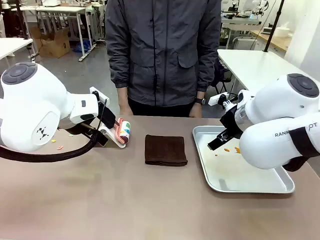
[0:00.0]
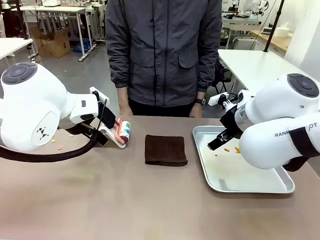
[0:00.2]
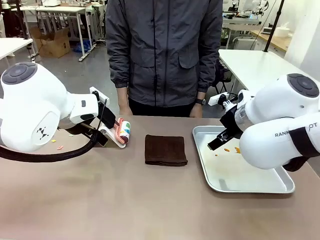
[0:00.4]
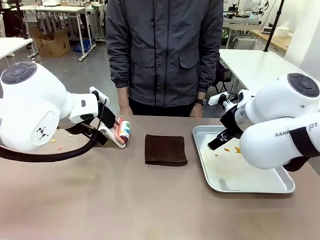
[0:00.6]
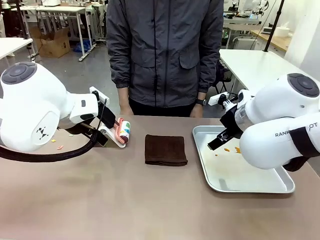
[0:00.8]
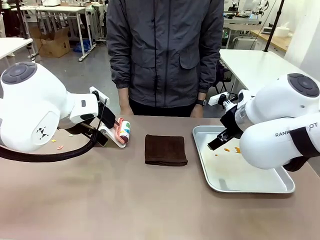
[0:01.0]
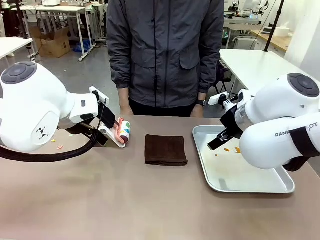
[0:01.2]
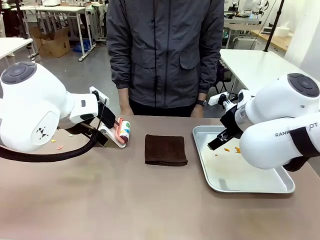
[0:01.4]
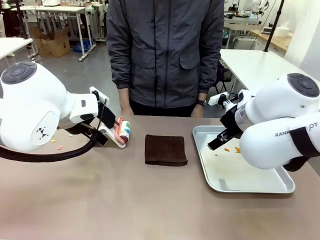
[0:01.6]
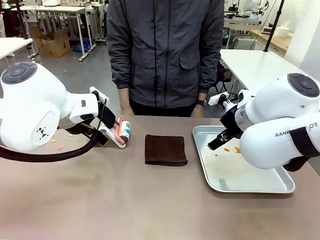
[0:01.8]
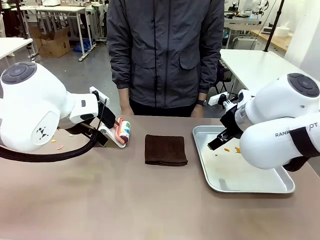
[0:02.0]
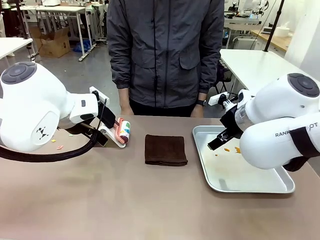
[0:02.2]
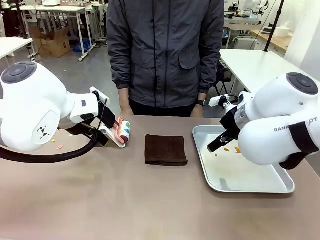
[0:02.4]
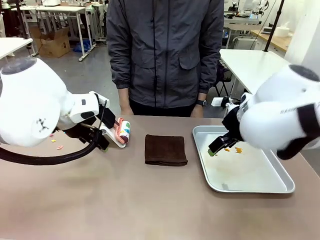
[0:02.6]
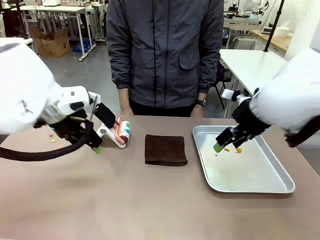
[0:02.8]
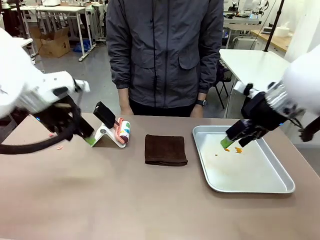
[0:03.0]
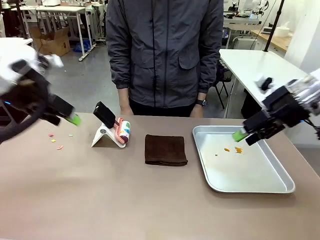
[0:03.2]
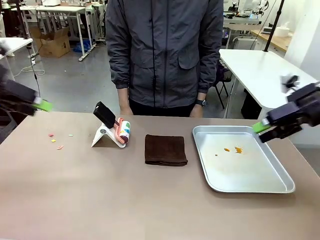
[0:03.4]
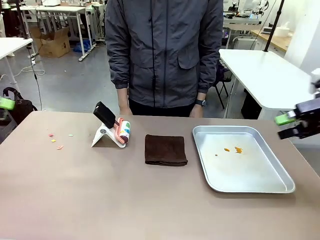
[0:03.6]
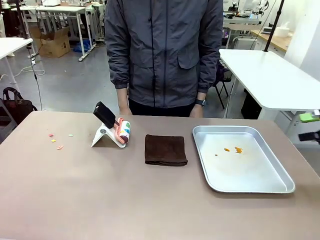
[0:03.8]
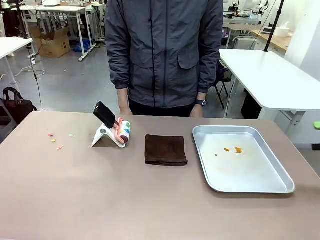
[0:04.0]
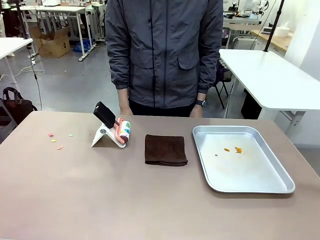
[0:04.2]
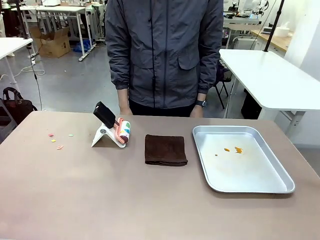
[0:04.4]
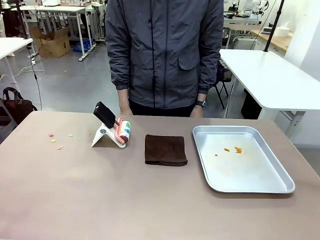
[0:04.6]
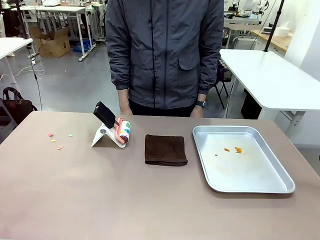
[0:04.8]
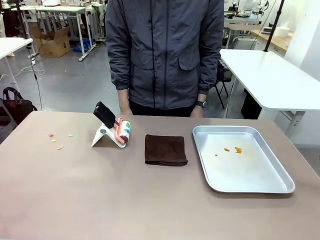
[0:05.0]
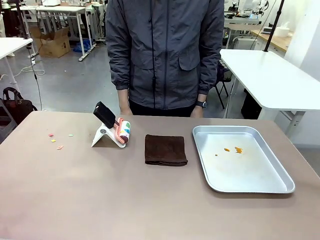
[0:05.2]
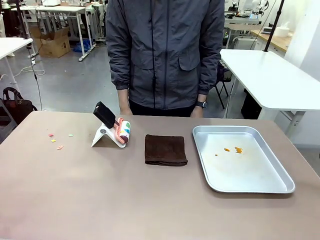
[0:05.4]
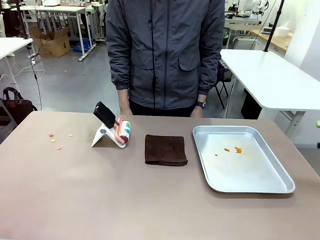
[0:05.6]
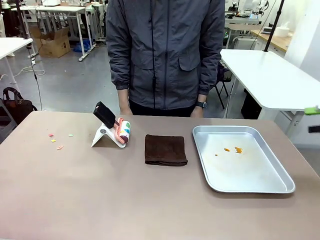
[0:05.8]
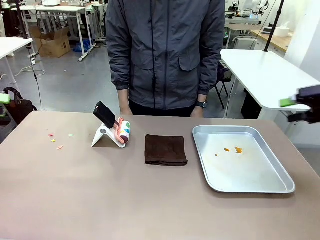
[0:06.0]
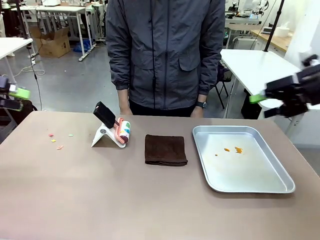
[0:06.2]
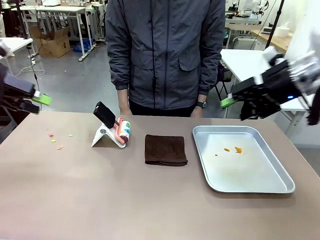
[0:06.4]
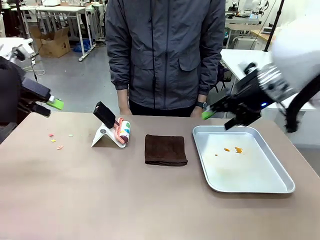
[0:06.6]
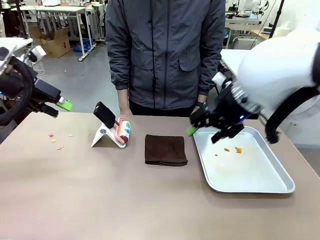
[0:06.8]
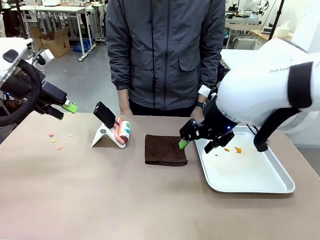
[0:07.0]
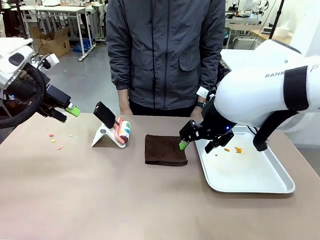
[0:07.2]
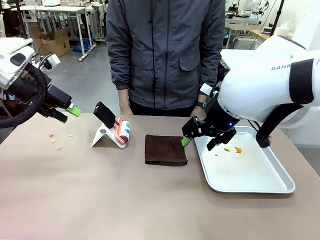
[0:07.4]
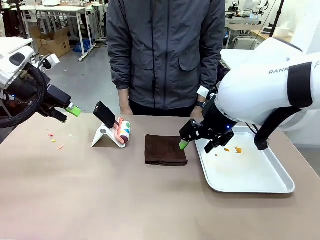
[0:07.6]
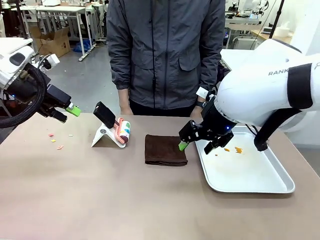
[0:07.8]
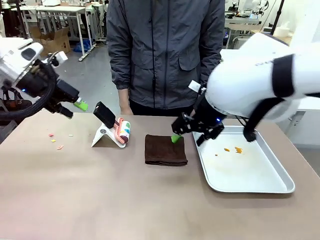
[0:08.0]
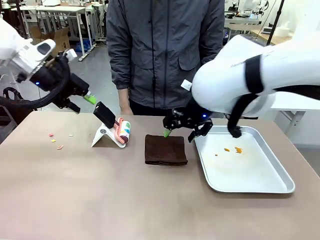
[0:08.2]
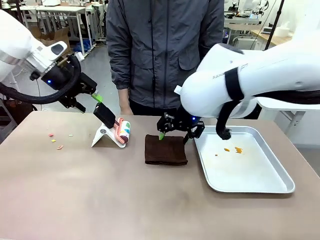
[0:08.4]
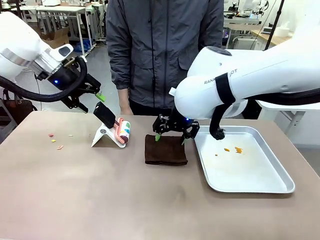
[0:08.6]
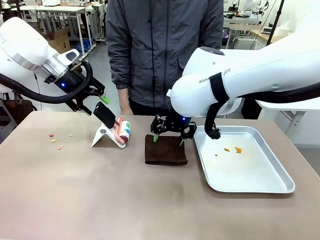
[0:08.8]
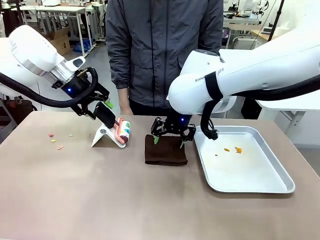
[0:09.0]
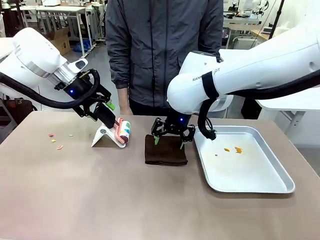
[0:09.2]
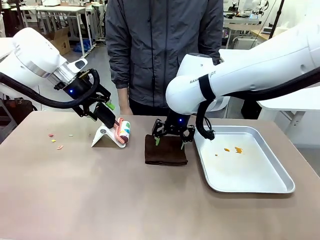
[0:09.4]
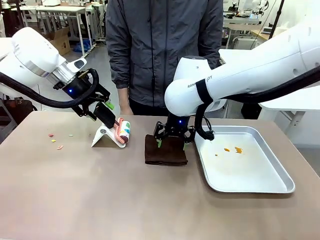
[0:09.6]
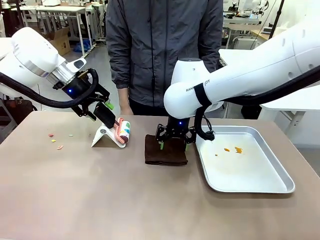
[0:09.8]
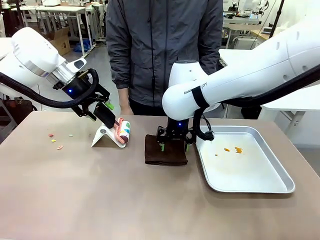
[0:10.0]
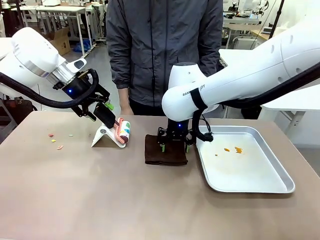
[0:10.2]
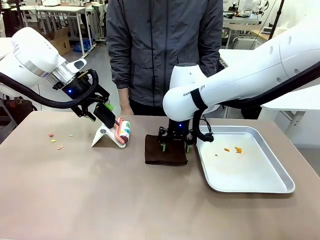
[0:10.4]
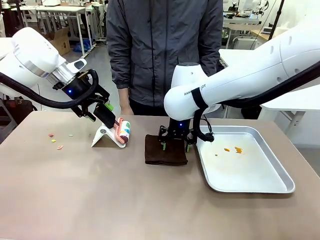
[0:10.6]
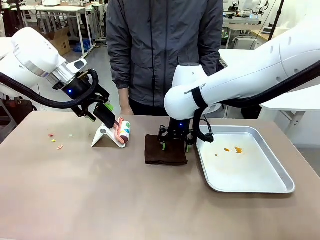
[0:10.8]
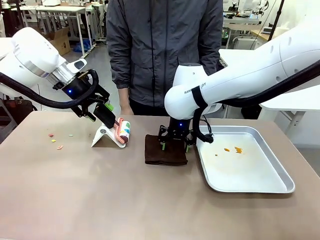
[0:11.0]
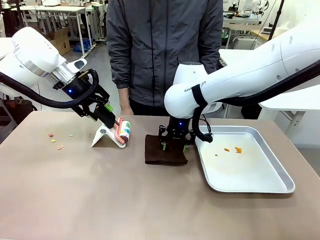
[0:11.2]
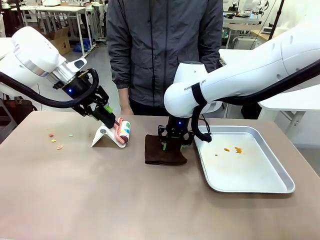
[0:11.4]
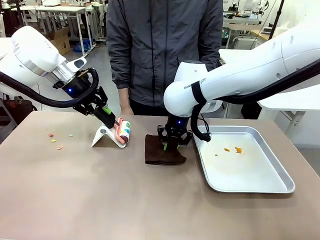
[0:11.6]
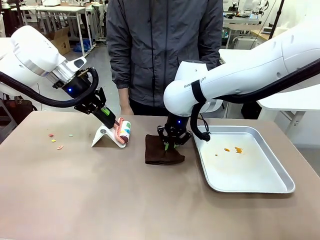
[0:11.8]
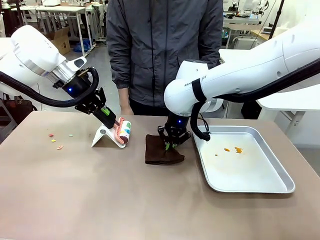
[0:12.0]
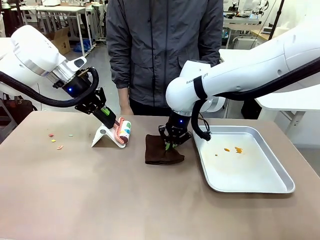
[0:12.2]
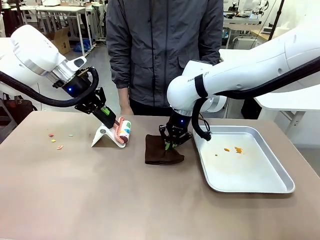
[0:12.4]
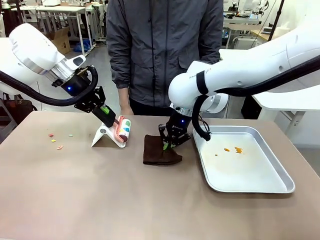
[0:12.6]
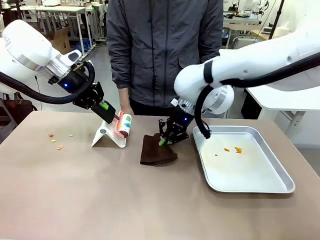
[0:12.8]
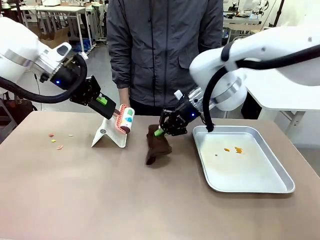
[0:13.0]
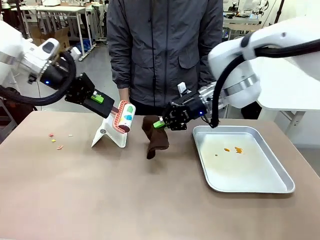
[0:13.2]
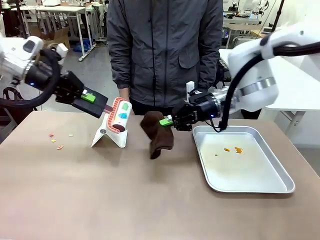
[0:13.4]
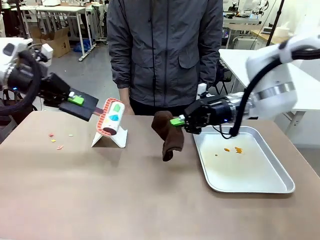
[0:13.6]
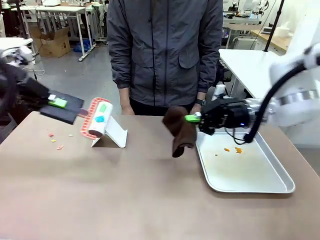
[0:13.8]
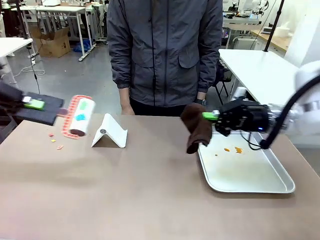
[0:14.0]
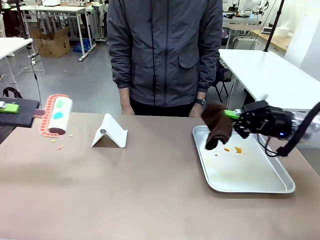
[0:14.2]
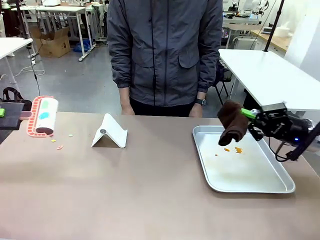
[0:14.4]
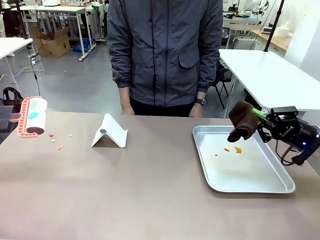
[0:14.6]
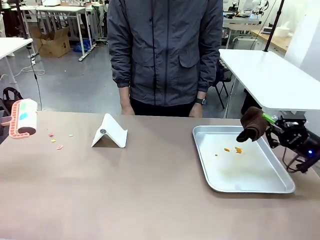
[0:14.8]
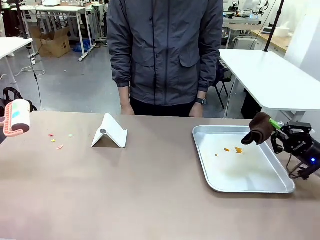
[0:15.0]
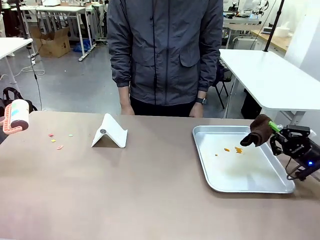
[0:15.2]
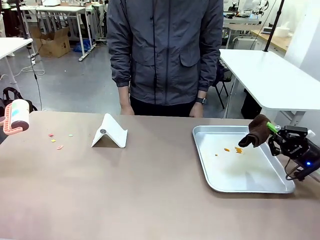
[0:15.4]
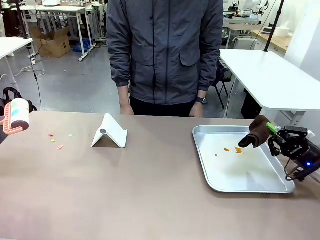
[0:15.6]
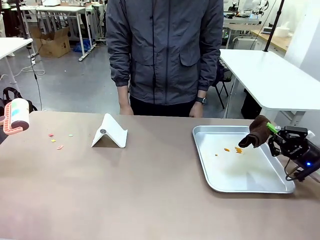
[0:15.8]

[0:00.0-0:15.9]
Task: Clean the surface of the table.
Robot: Hold the Lint Roller with your left hand and the towel with your right hand.
